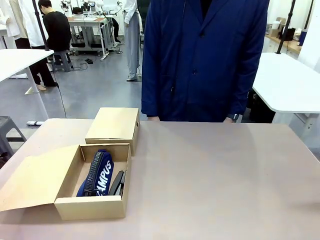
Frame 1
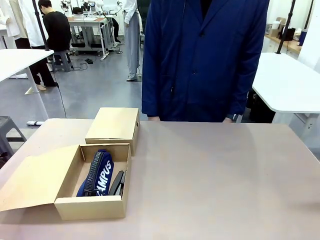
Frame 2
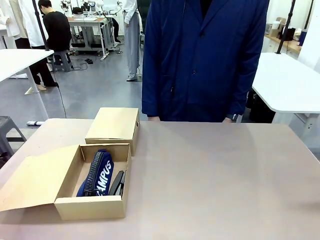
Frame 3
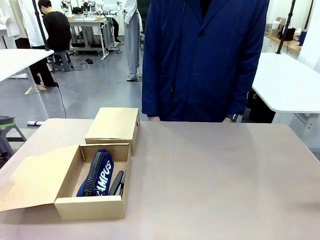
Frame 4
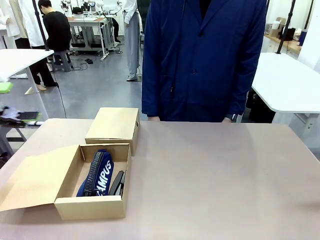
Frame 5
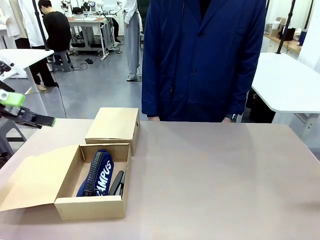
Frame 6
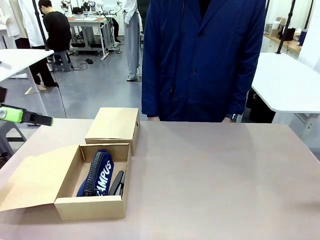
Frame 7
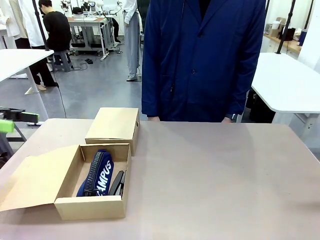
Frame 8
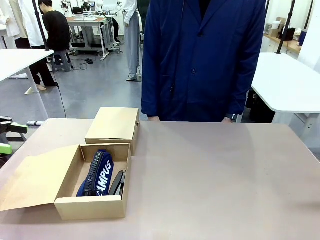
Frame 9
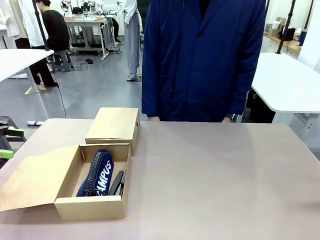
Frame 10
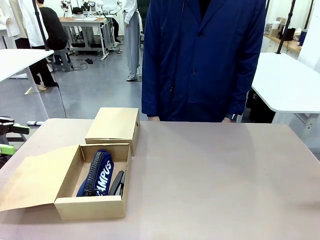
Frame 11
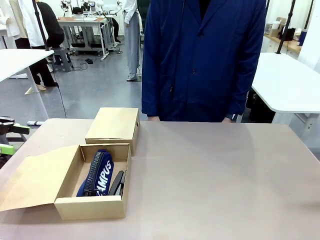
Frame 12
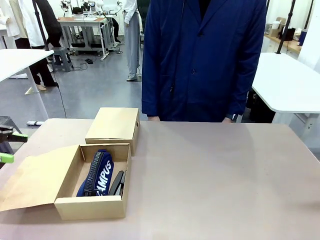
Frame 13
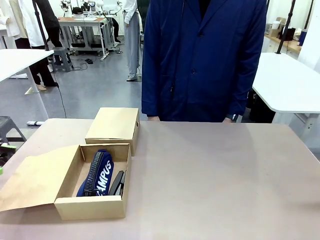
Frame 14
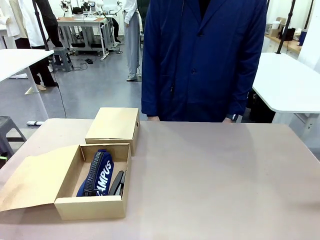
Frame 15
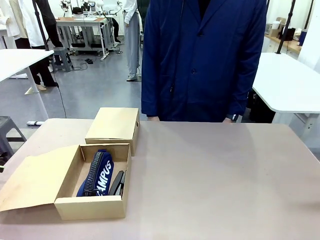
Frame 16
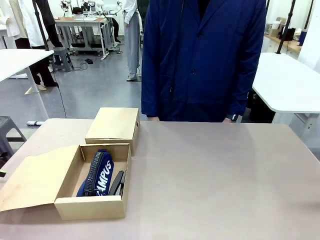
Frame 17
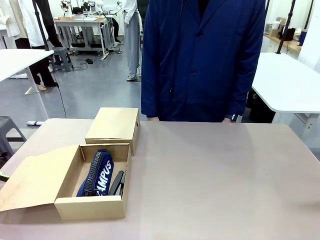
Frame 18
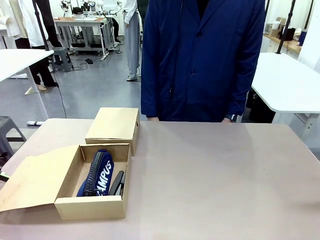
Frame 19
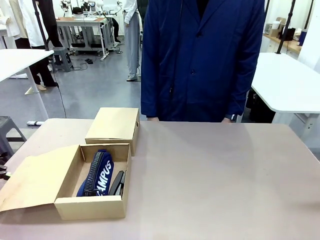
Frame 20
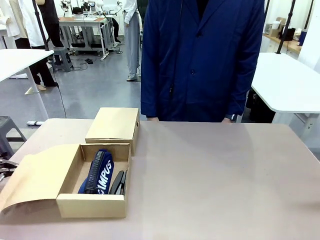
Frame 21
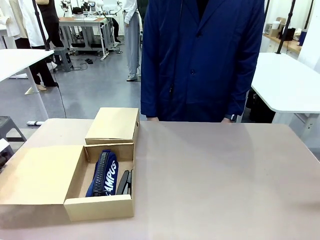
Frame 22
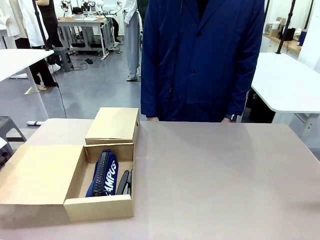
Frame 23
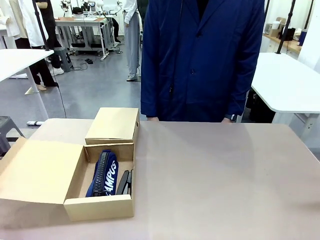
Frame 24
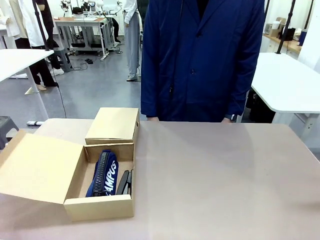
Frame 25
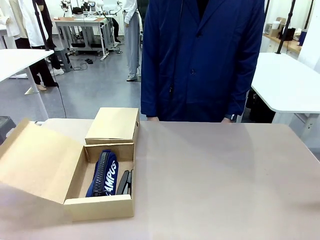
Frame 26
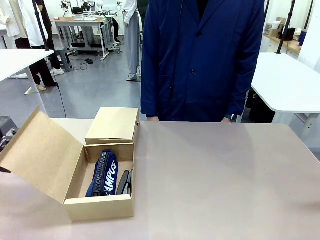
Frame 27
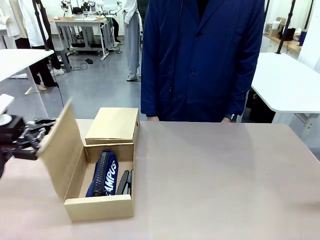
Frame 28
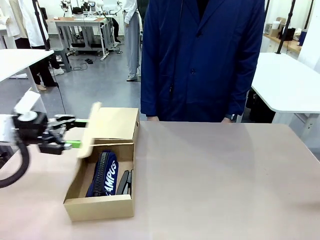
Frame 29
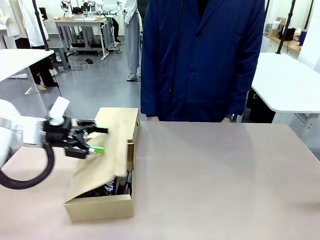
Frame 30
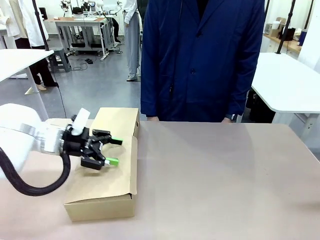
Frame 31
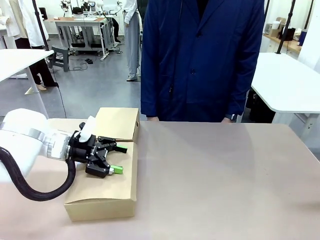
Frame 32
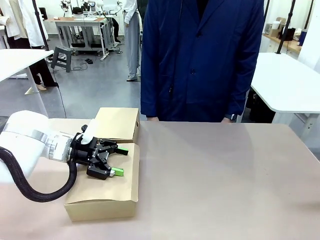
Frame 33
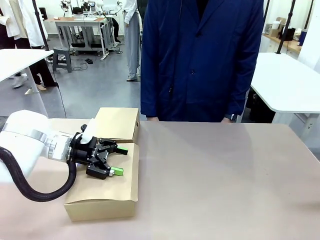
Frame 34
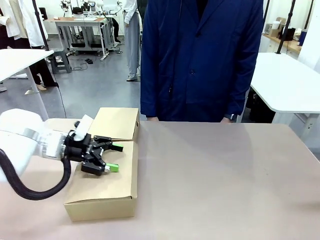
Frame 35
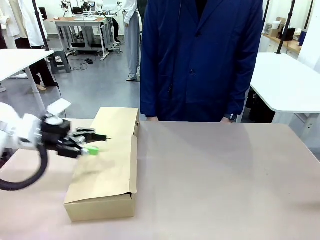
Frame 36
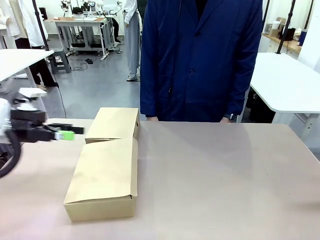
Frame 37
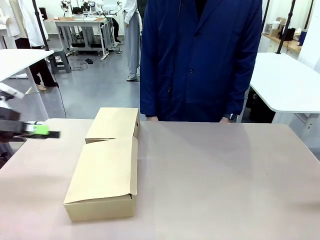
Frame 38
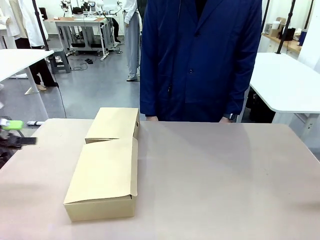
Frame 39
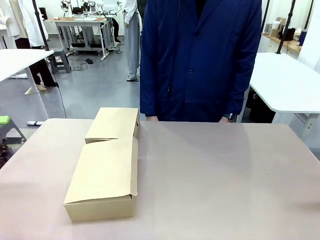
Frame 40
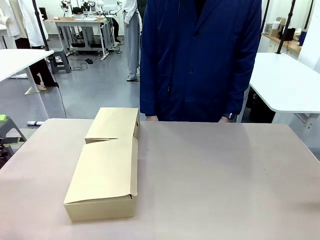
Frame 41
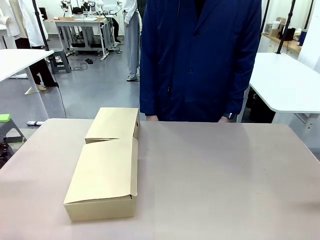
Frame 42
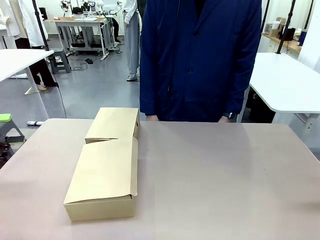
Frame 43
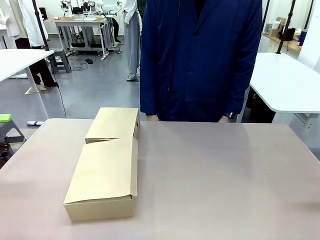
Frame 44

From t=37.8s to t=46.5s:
Task: Place items inside the box.
Robot: Close the lid of the Mailer Box closest to the robot.

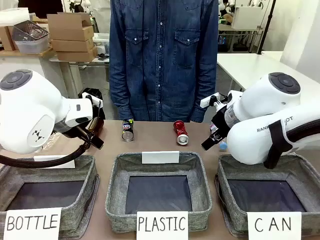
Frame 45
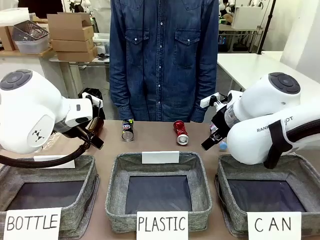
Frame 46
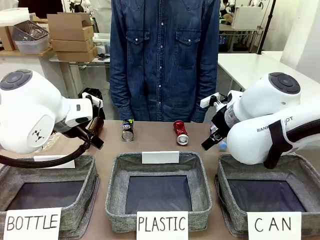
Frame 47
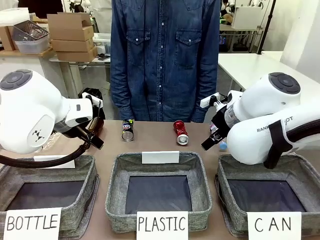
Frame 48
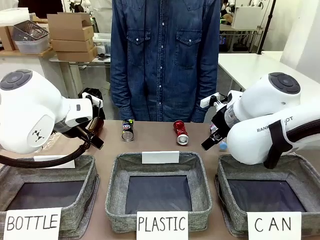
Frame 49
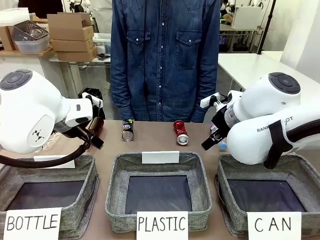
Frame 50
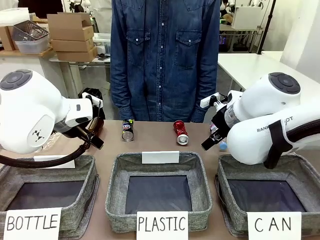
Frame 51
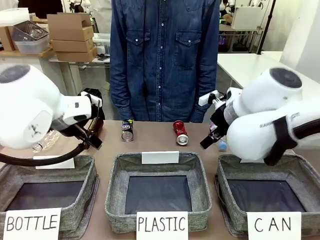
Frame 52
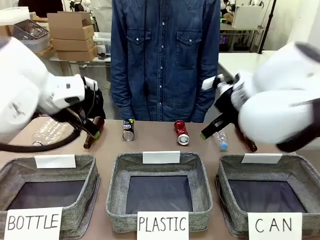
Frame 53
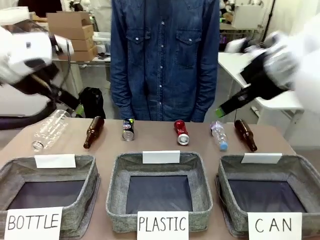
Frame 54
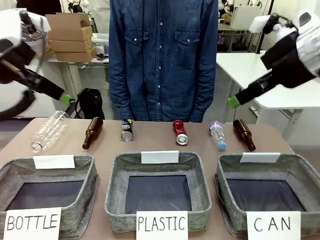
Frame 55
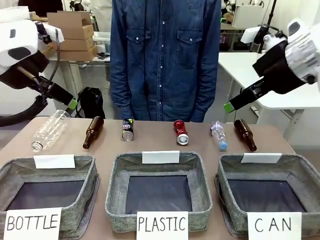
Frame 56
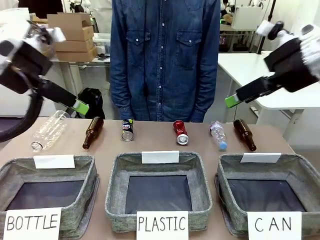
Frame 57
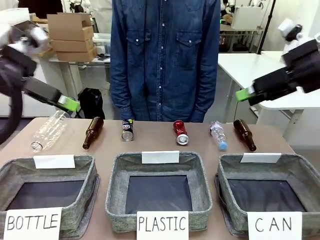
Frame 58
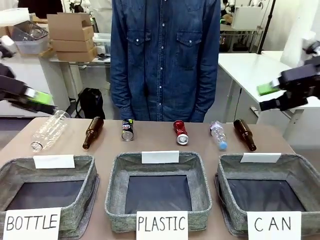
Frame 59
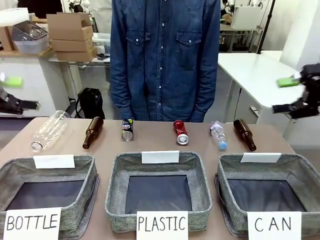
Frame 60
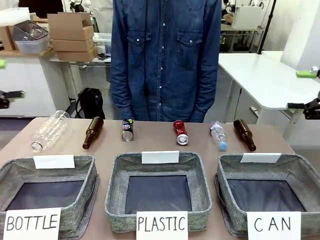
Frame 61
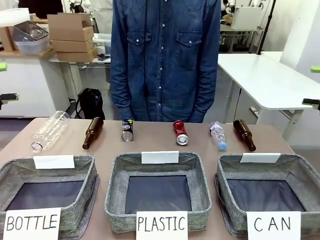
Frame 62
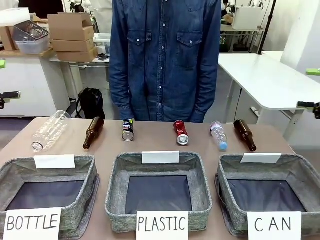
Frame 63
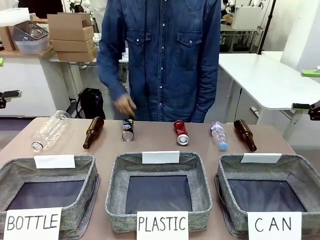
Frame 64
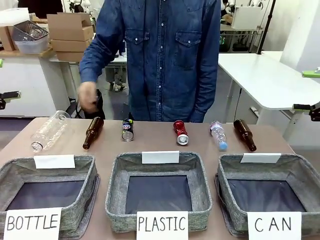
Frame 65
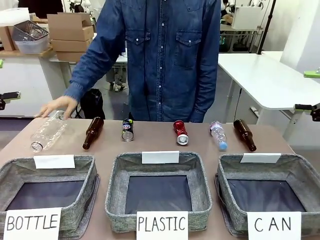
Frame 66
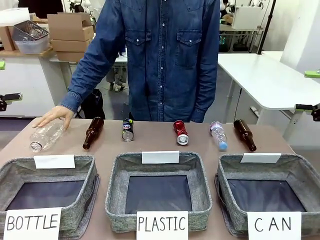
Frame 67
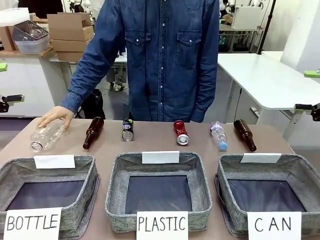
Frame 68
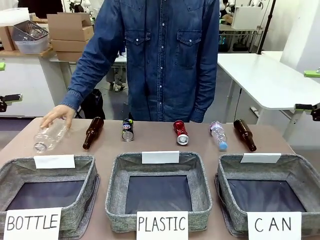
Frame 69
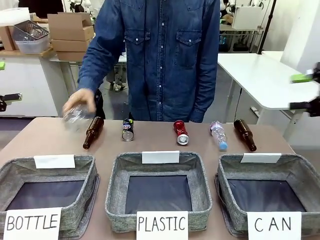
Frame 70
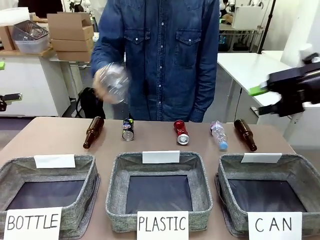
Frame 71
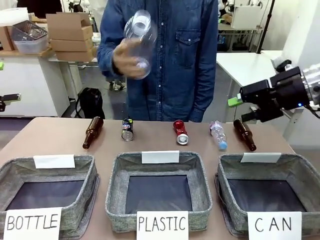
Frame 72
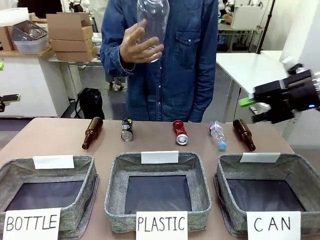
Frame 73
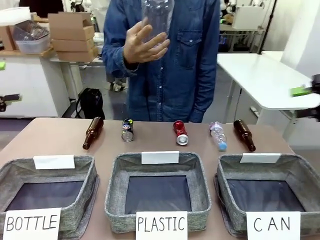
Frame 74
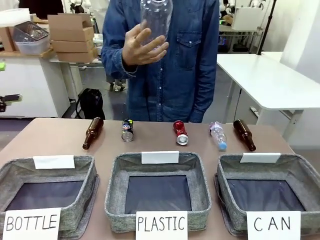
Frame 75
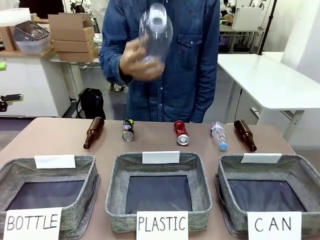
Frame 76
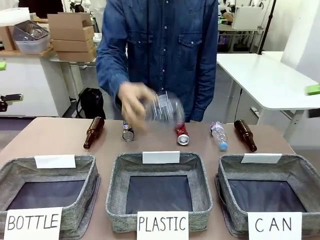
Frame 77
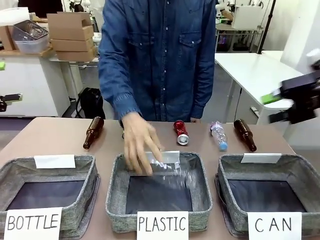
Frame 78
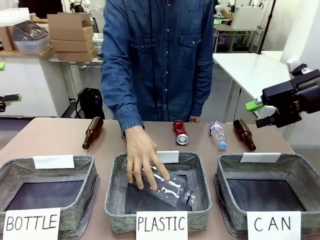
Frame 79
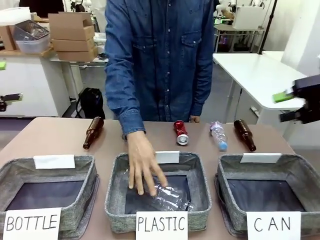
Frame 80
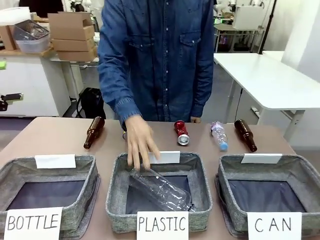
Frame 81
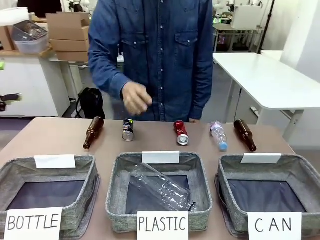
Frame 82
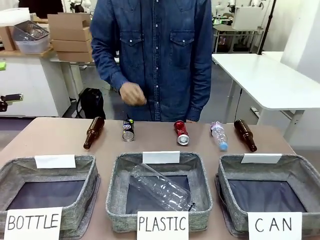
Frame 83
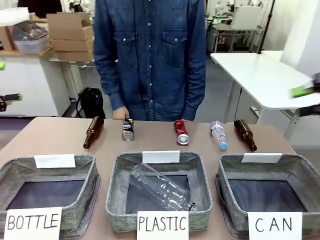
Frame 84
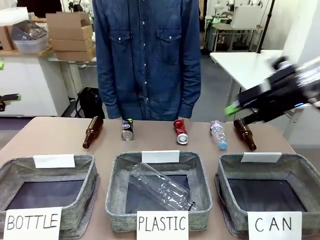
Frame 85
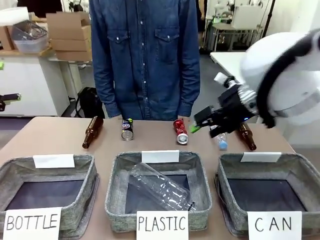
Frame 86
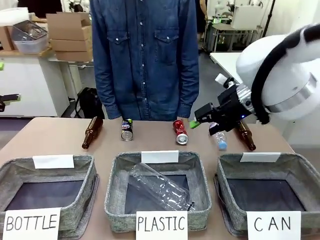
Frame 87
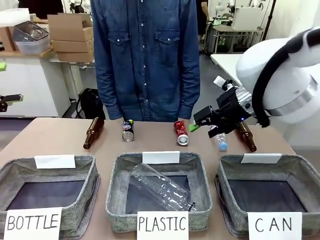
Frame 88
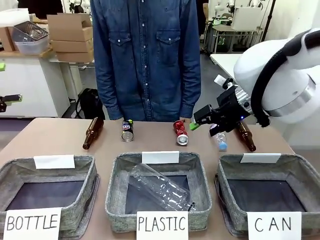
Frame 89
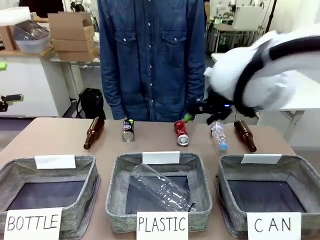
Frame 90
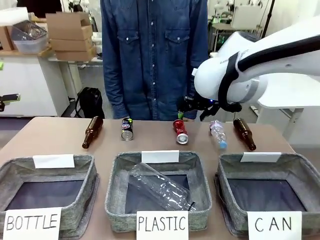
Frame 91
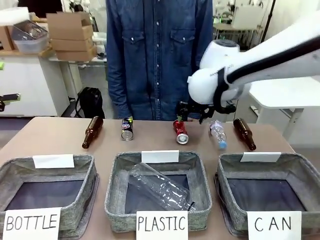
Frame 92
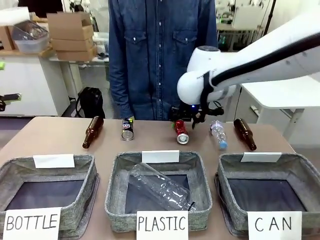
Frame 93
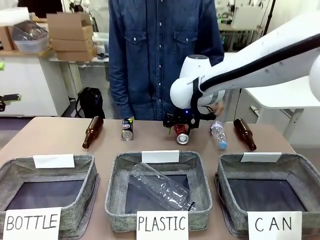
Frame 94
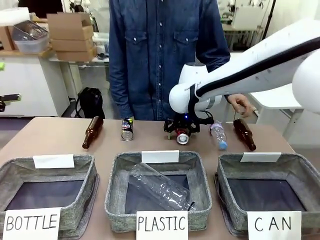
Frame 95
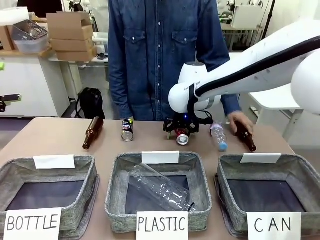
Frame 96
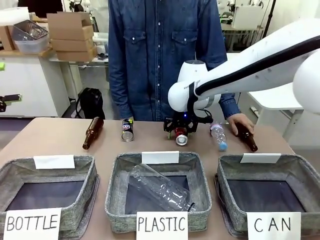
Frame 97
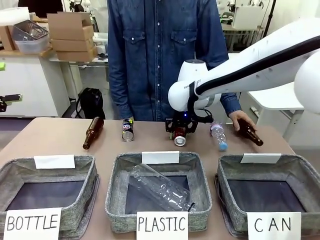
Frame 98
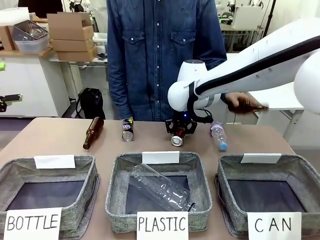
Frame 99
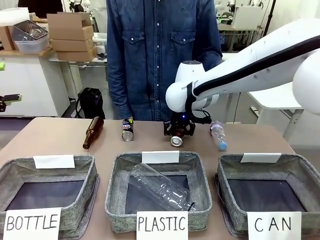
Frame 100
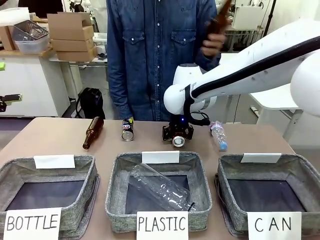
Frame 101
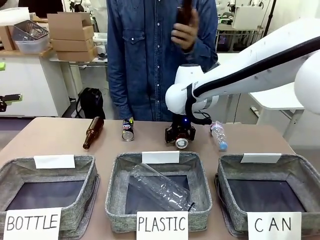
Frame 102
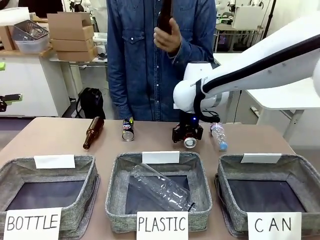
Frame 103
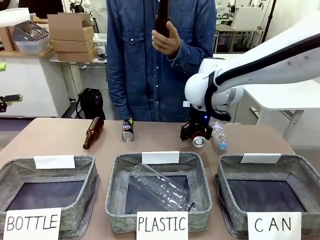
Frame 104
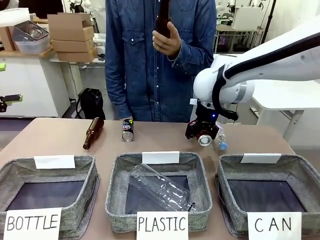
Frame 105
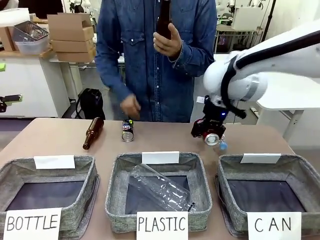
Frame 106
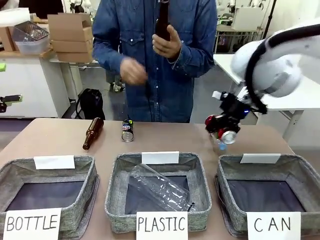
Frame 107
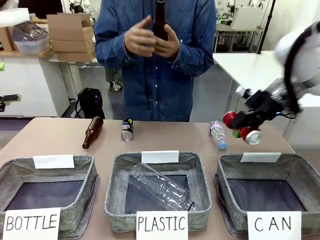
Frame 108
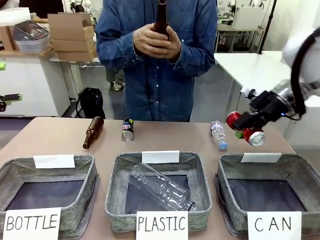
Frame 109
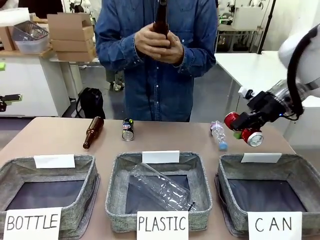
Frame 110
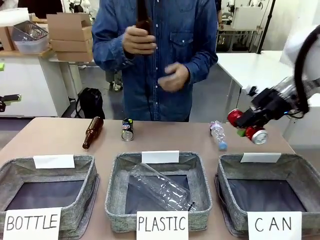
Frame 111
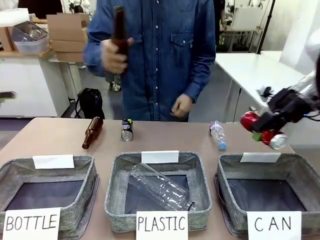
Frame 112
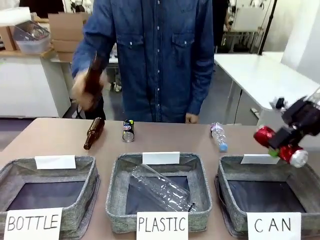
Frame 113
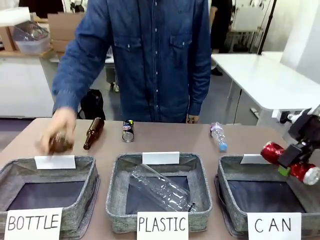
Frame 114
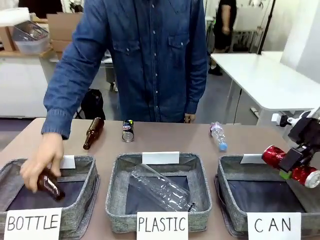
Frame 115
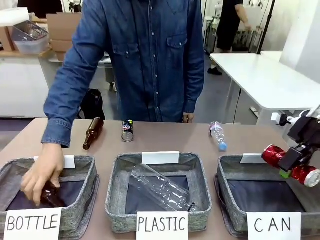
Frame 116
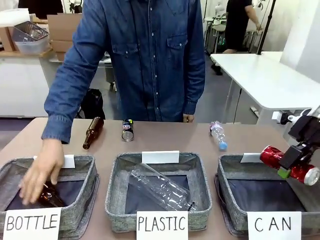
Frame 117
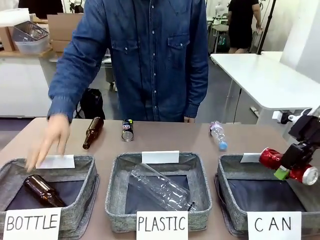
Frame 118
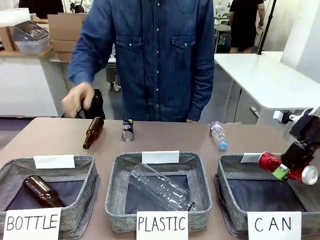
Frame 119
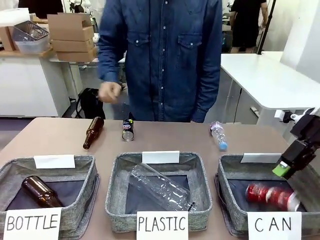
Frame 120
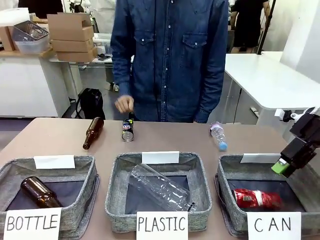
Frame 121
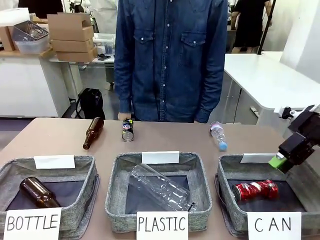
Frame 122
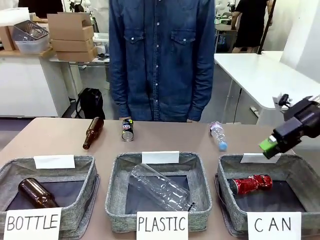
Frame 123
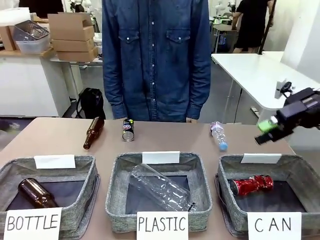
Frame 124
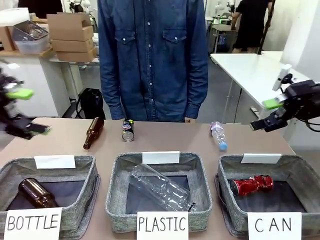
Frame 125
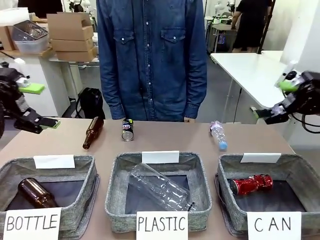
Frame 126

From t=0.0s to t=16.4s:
Task: Sort the can waste into the basket.
Robot: Pick up the can waste from the table and place it in the right Fabric basket.
